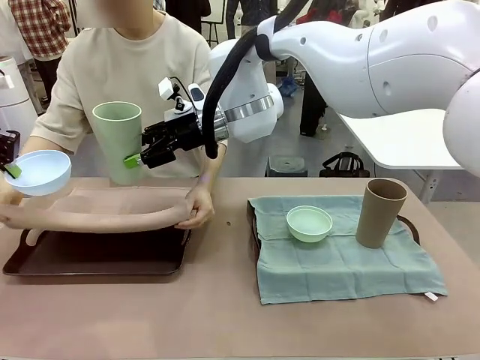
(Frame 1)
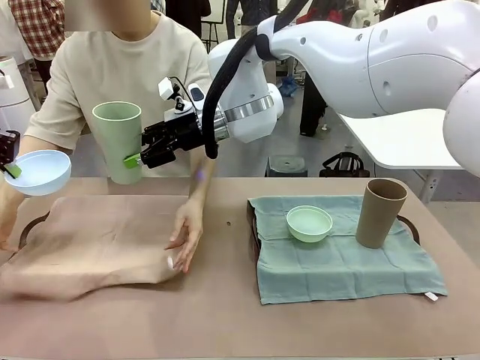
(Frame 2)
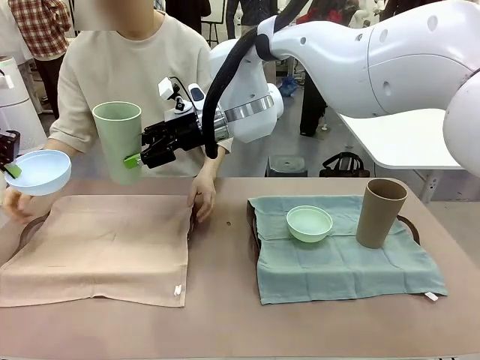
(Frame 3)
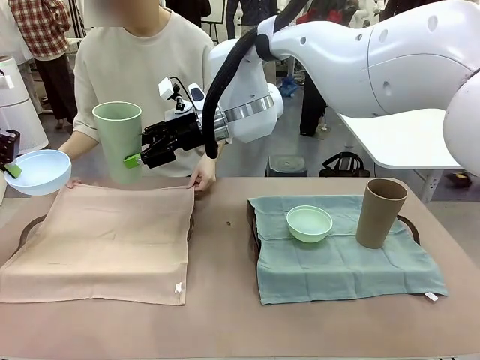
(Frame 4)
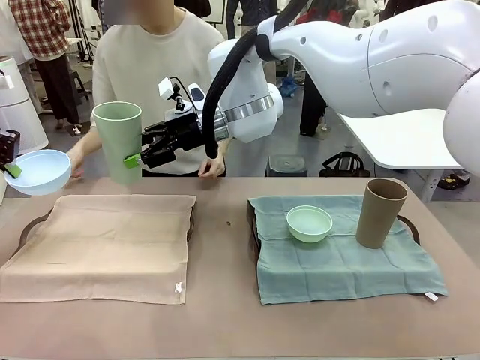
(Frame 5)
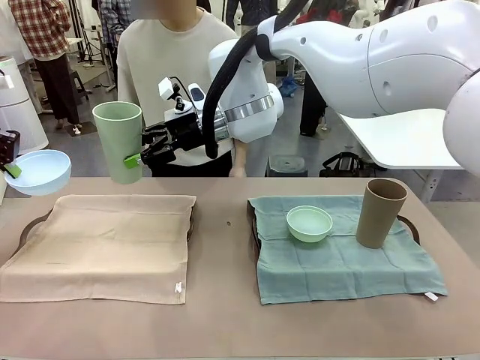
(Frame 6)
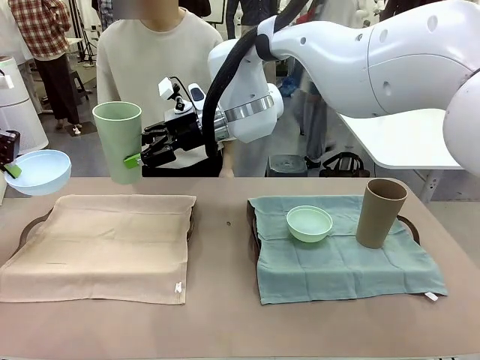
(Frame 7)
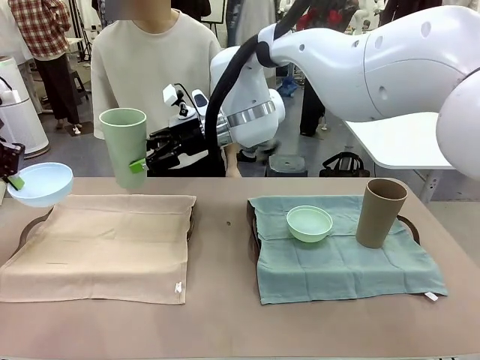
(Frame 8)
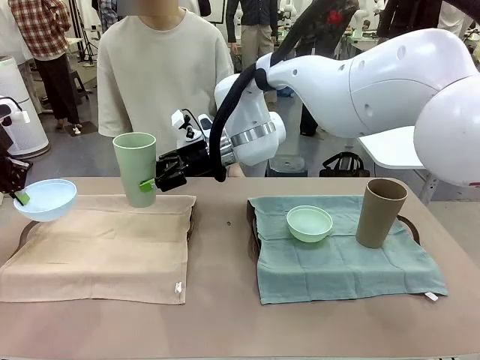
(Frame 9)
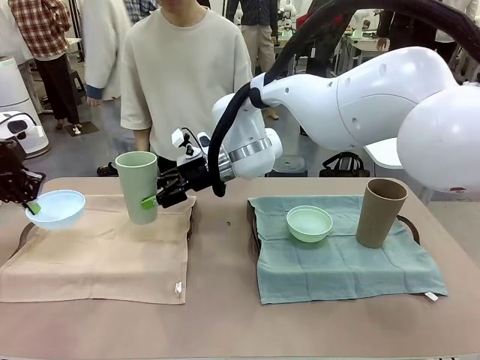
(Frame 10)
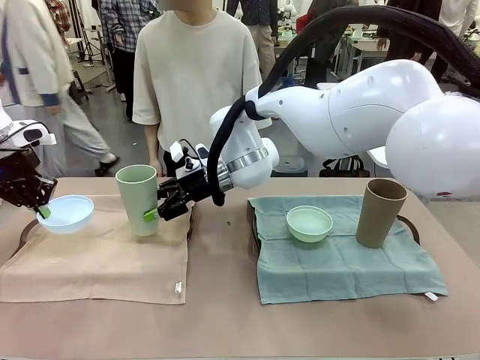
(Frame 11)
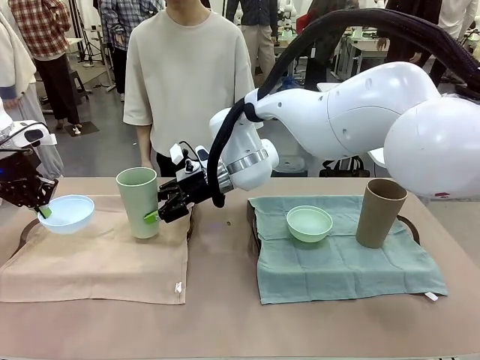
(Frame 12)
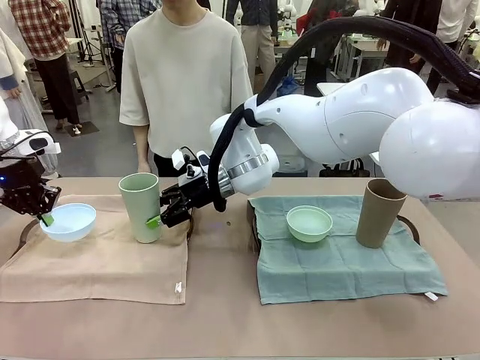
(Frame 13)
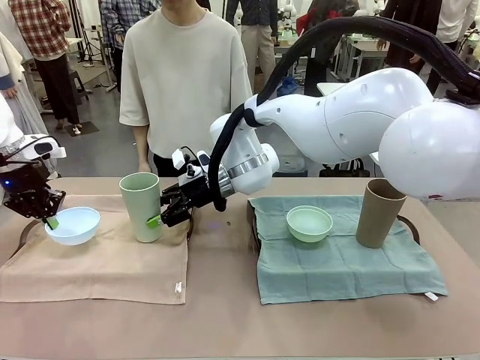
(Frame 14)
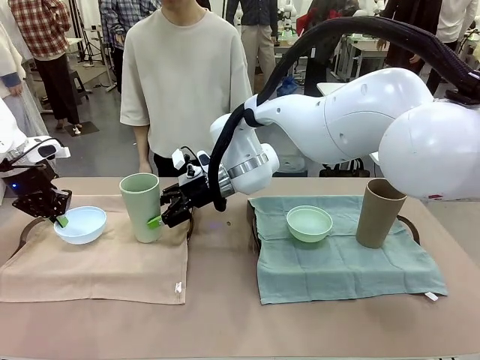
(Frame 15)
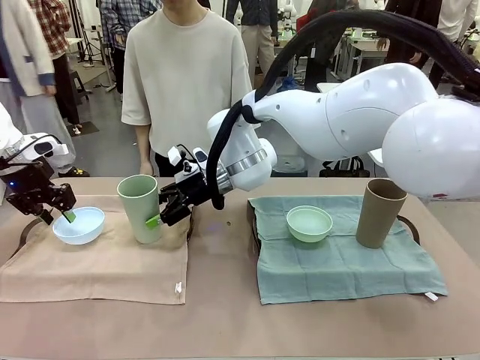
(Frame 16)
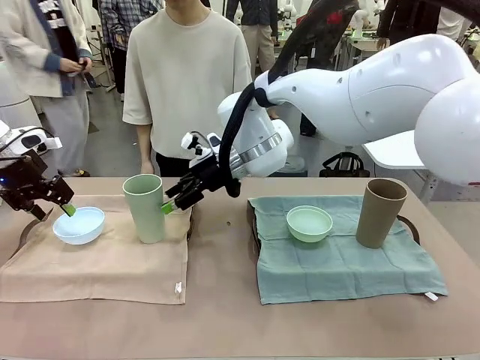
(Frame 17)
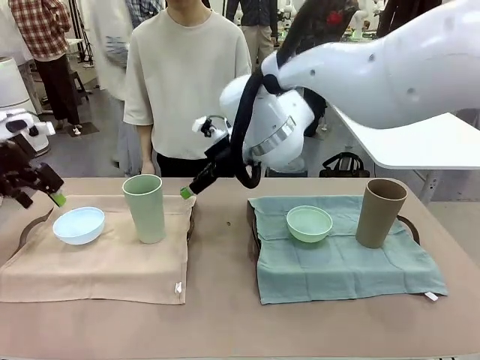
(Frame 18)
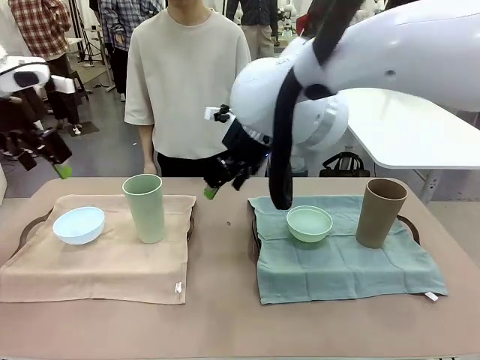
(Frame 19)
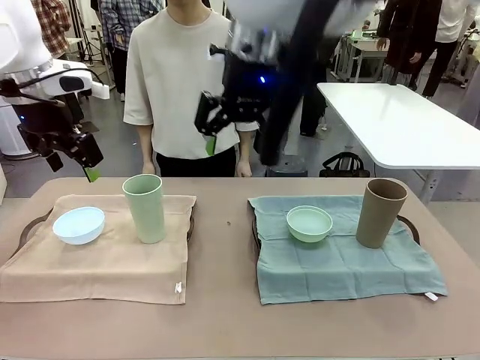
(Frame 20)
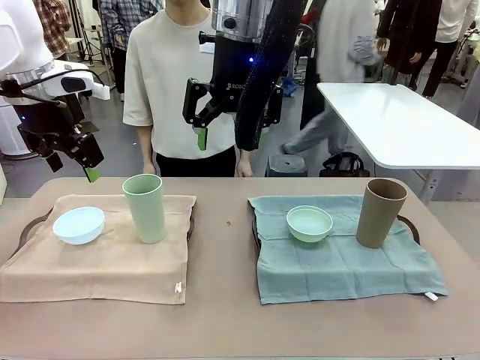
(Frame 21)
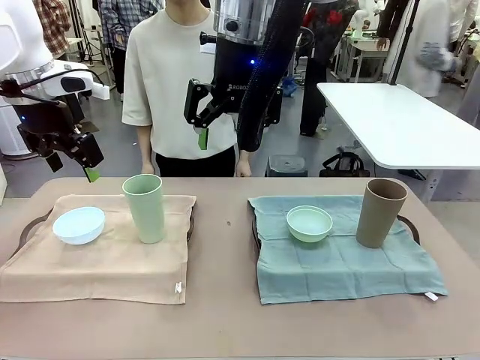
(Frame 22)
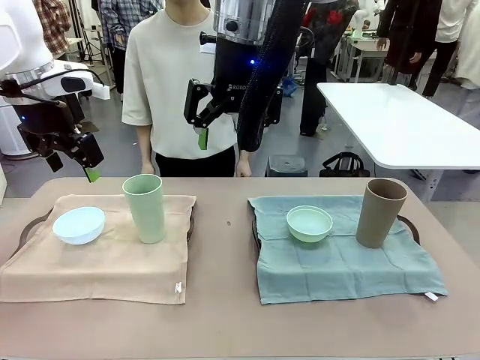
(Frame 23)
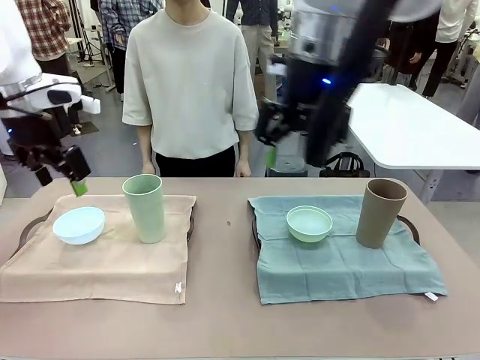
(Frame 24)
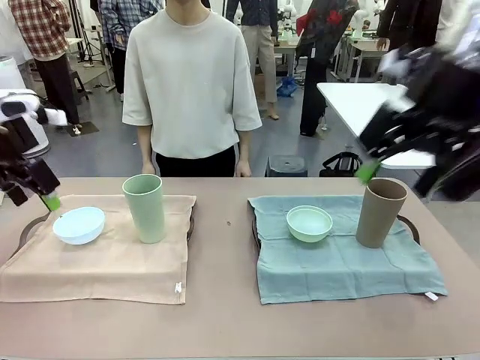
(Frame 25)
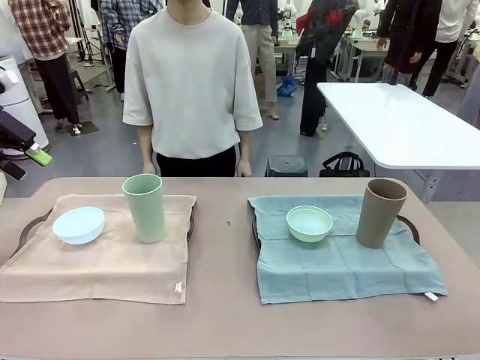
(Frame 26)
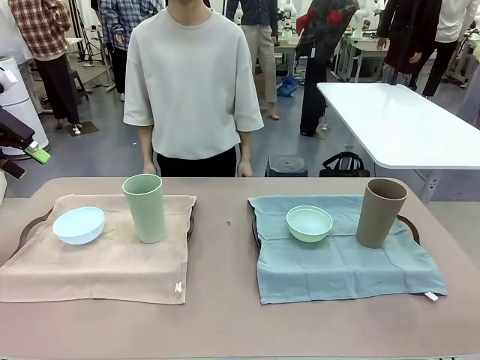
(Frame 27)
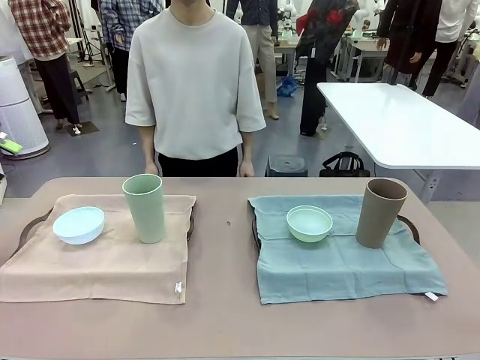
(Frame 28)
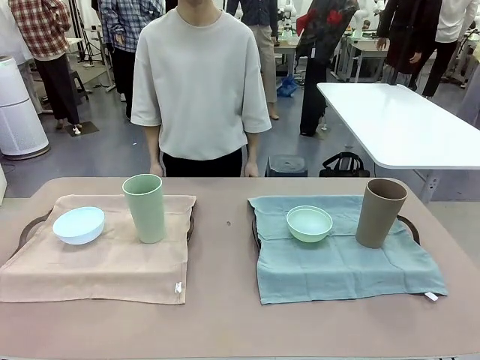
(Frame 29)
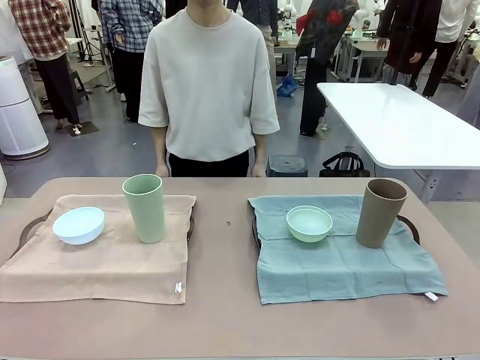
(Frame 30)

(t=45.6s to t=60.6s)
Robot: Place the Picnic Bowl and Reusable plastic cup back onto the Handle tray in front of the human's position.
Person: When the robot lifts the bowl and the cup, the human unfolds the napkin and lays the napkin flat on the tray.

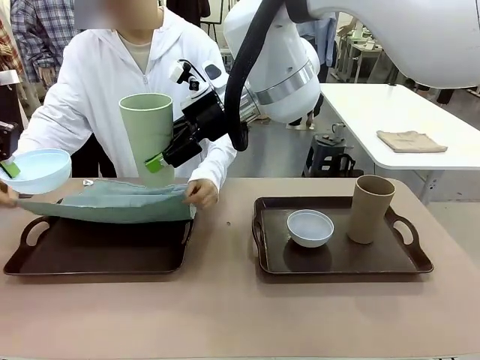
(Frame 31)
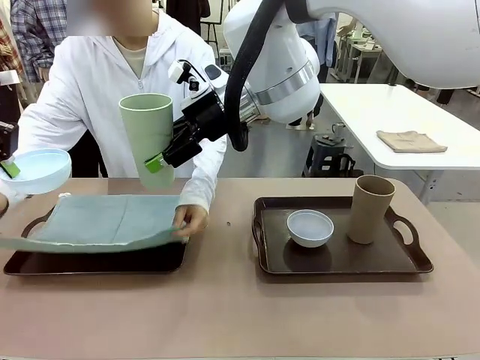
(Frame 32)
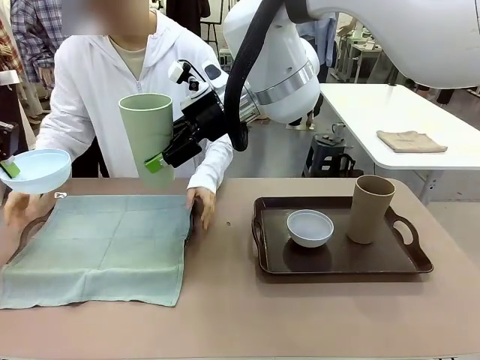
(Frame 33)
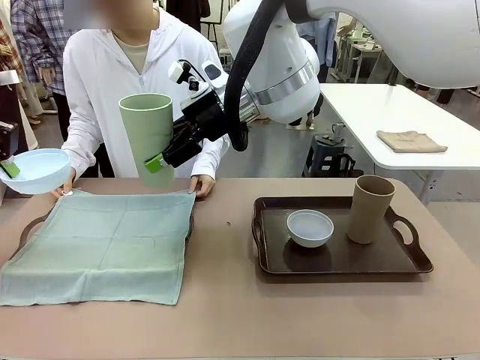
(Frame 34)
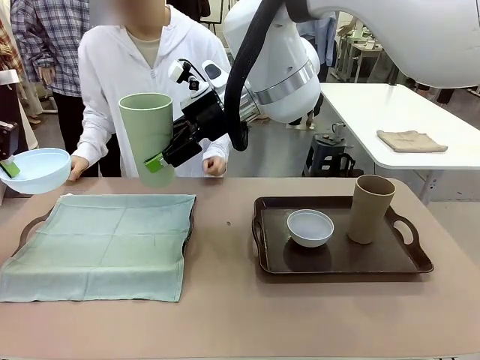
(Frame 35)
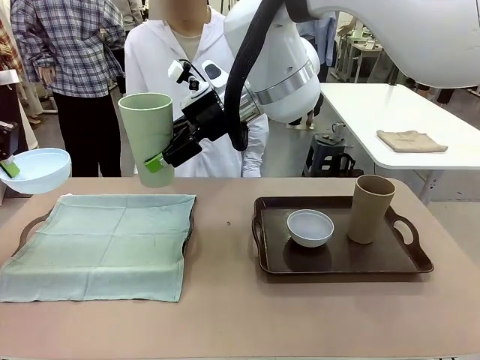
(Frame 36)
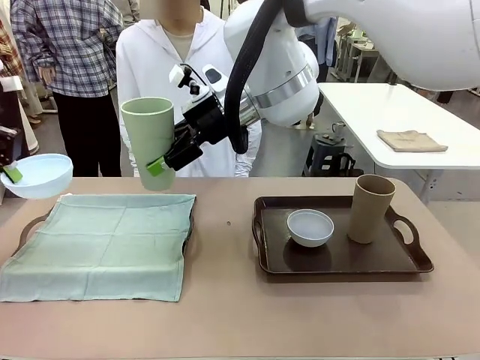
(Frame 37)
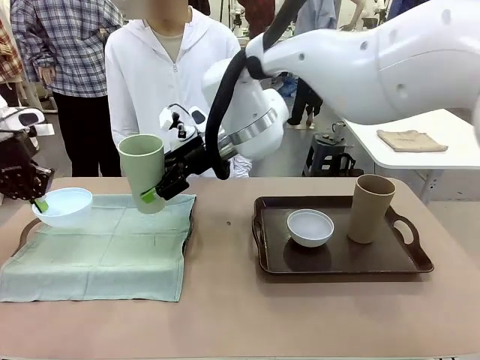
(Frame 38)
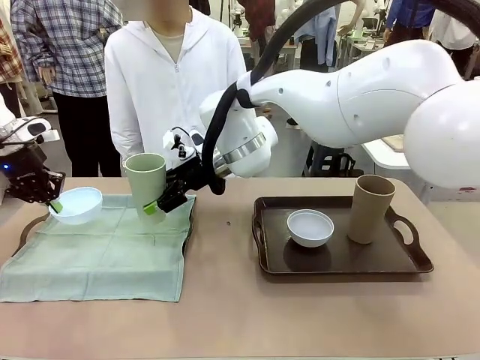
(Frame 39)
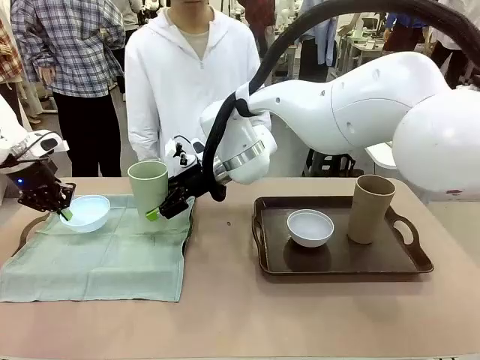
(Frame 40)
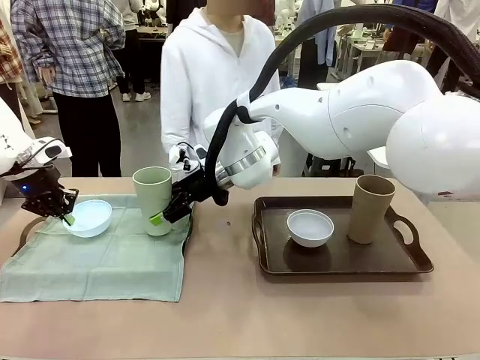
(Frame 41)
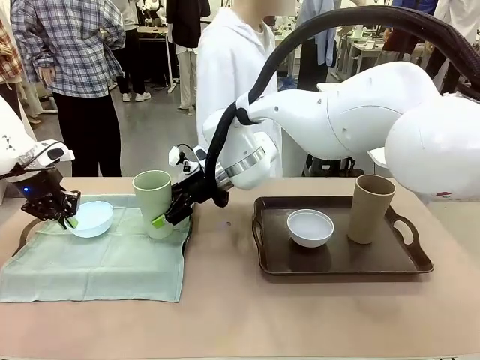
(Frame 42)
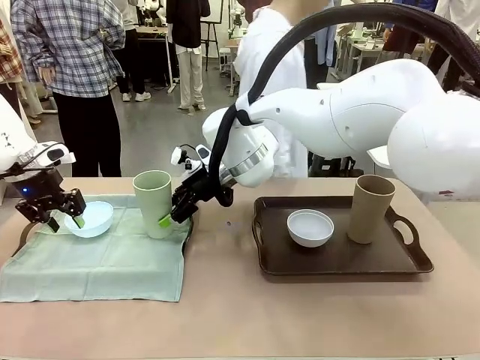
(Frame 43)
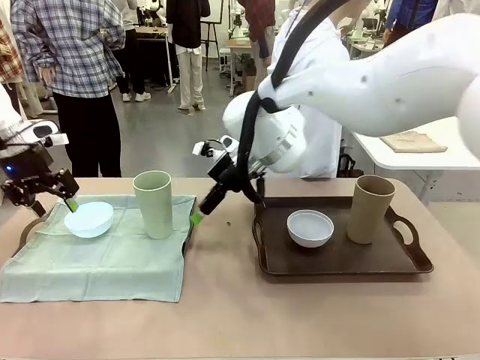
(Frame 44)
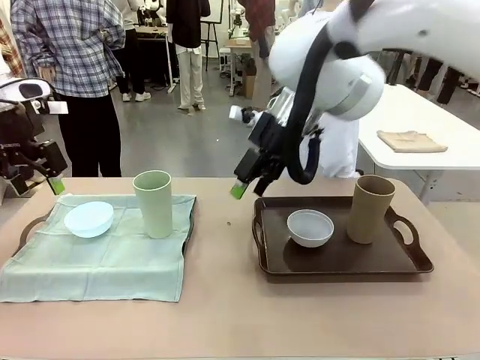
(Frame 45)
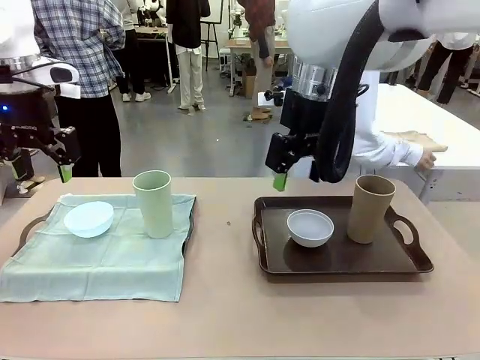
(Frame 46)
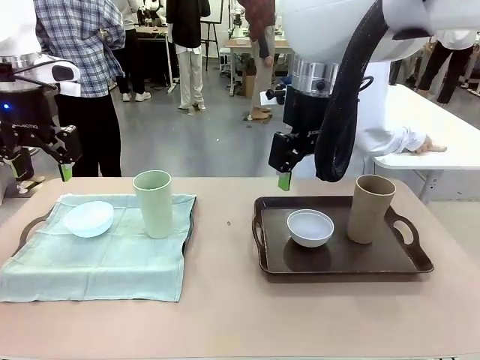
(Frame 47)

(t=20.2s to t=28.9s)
Robot: Place the Picnic Bowl and Reusable plastic cup back onto the Handle tray in front of the human's position.
Person: The human returns to the human table to pick up another napkin and walks to the robot table to stand in front of the tray without a napkin.

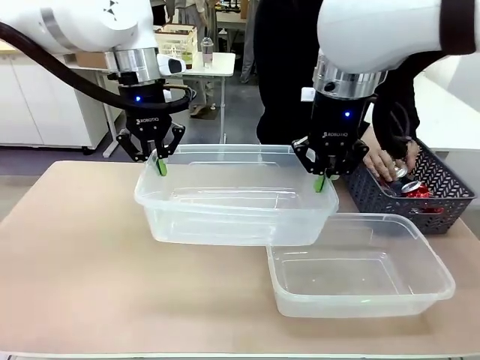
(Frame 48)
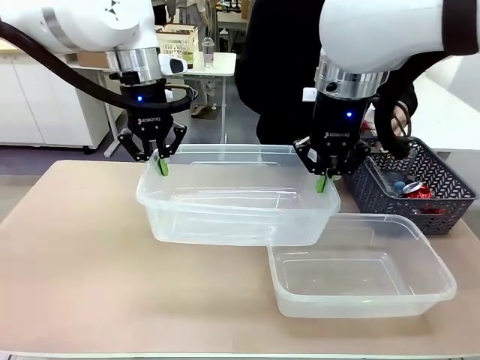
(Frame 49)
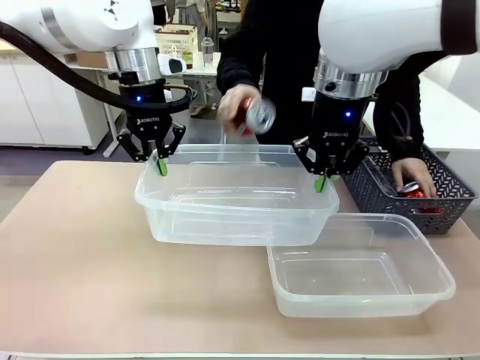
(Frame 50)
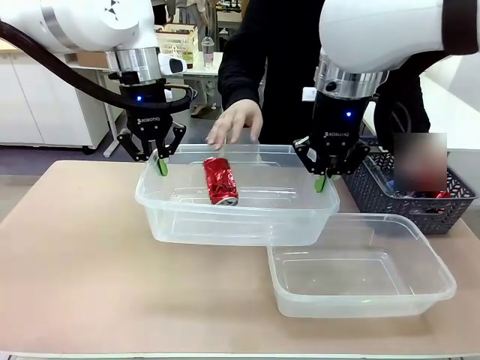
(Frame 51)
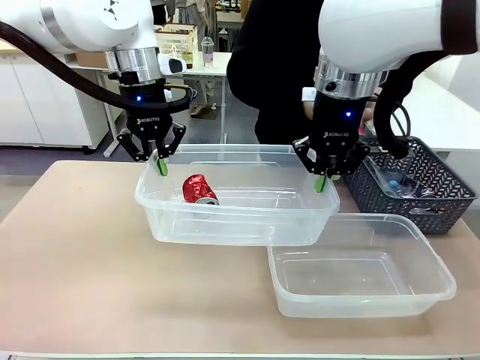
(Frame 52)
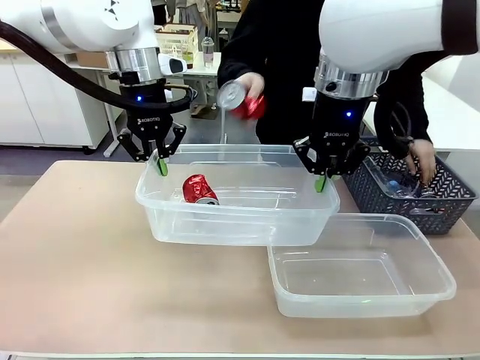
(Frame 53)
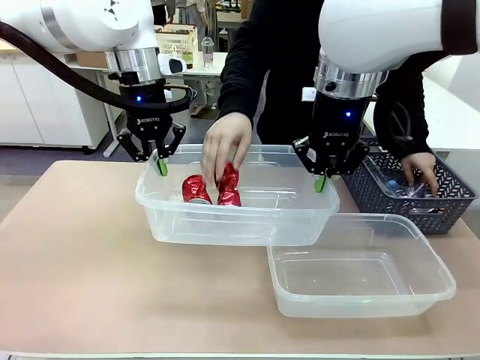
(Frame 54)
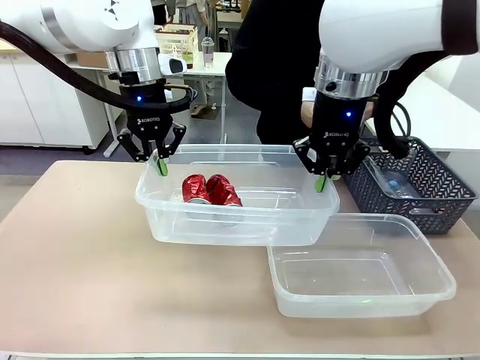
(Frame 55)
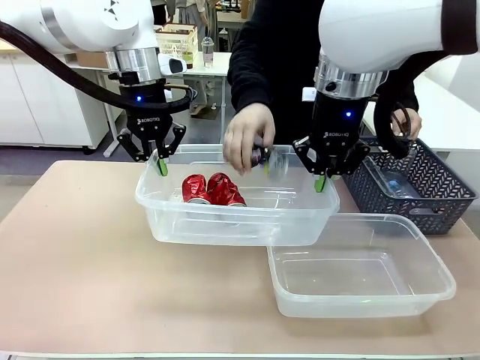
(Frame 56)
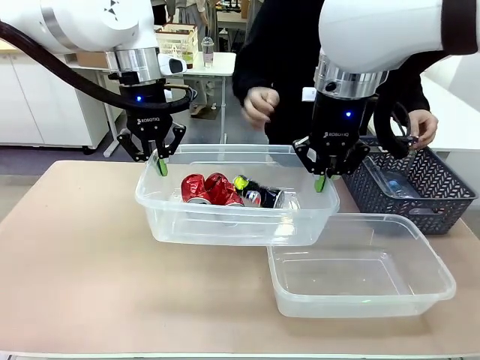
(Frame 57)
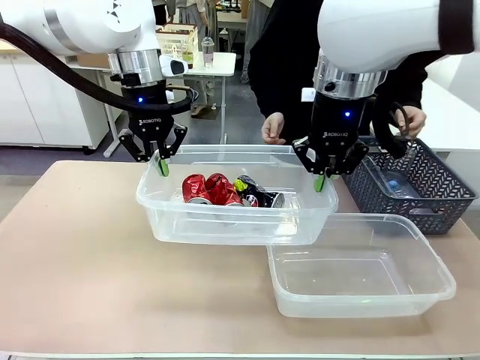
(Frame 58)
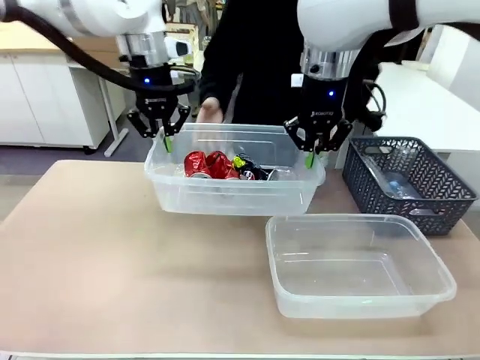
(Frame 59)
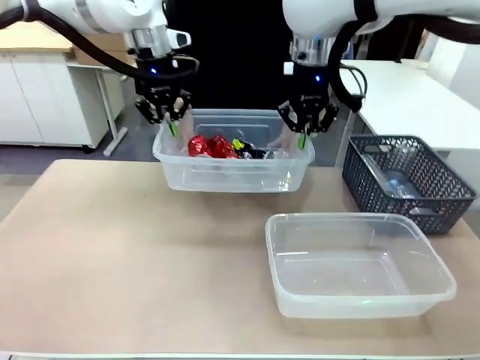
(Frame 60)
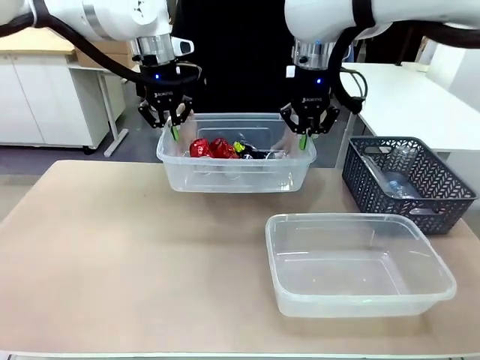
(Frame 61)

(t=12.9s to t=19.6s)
Robot: Offer the picked Organizing box to the human.
